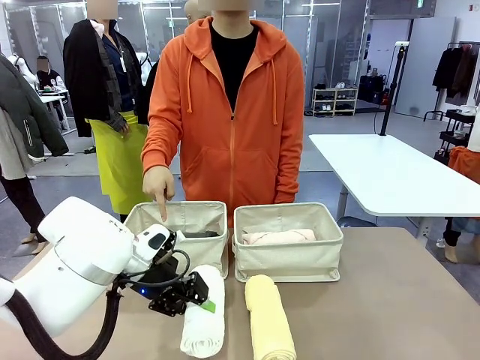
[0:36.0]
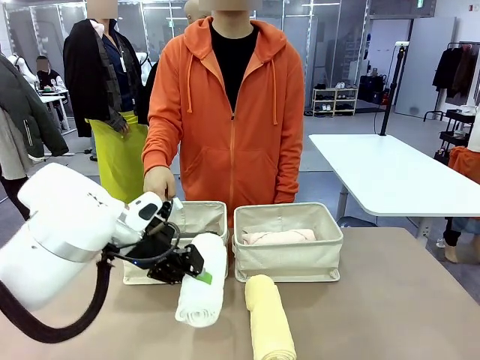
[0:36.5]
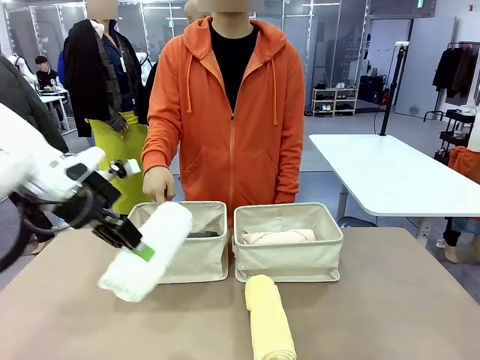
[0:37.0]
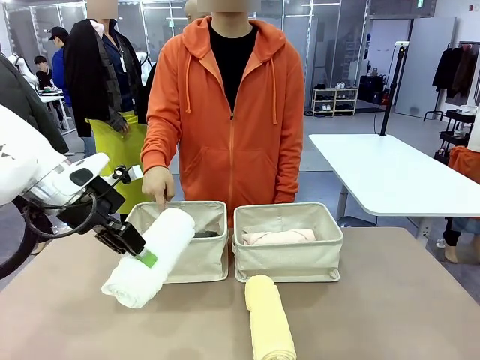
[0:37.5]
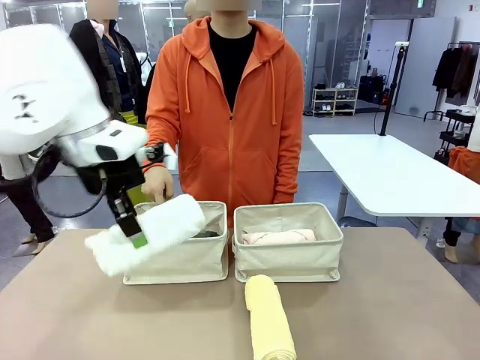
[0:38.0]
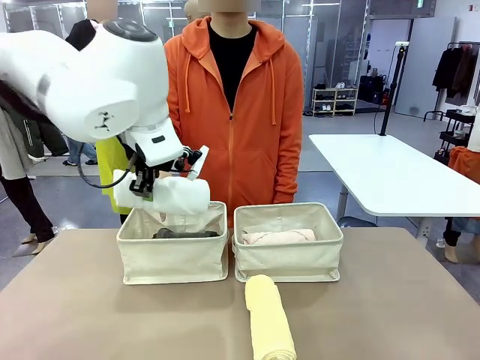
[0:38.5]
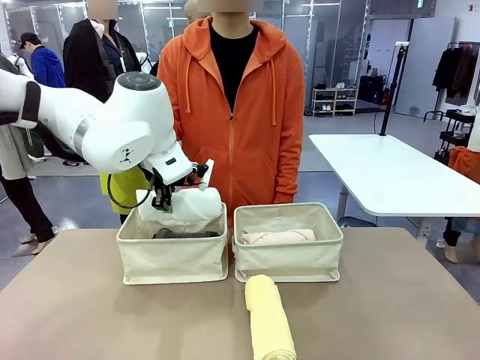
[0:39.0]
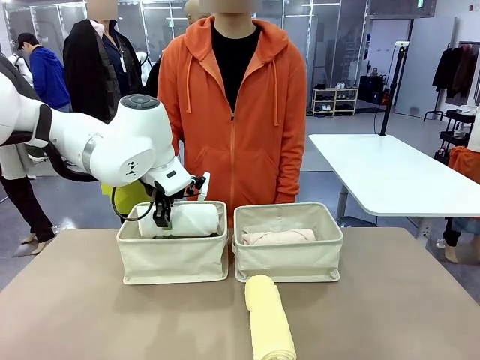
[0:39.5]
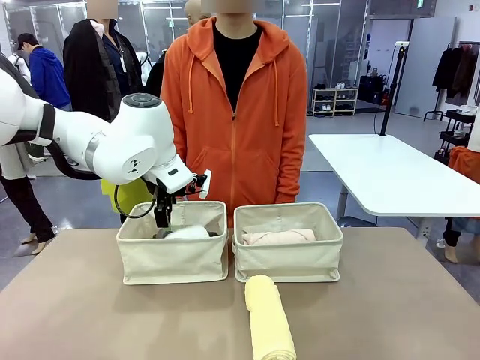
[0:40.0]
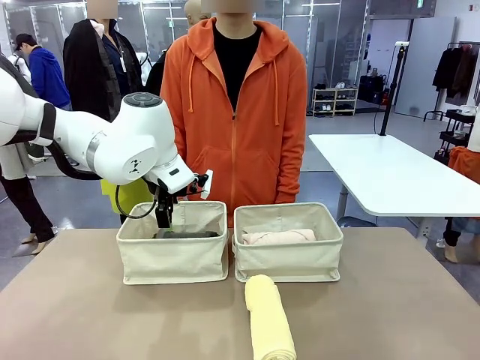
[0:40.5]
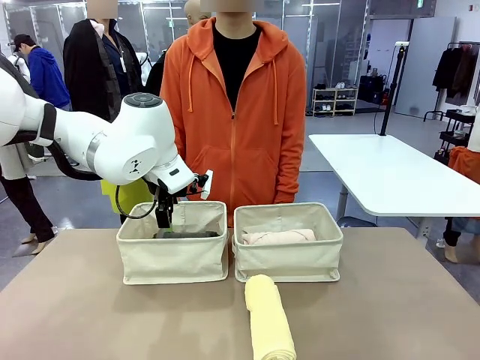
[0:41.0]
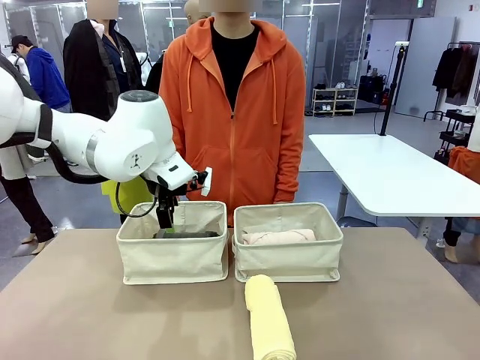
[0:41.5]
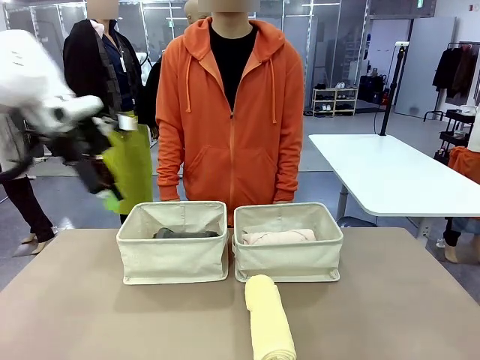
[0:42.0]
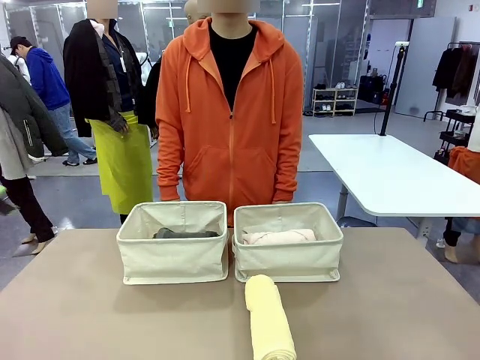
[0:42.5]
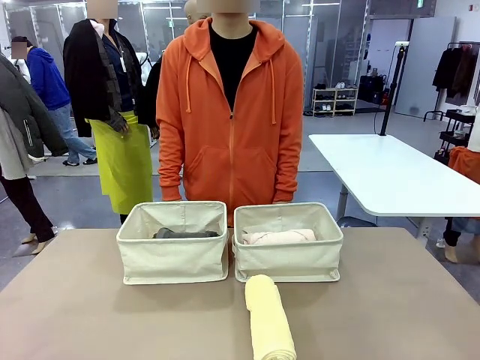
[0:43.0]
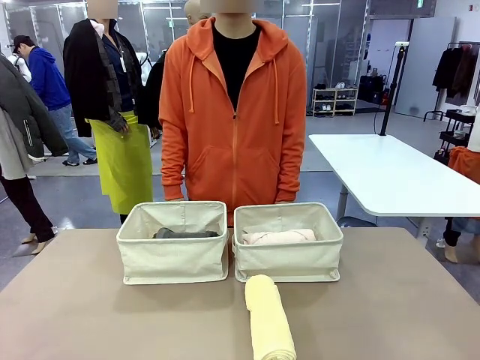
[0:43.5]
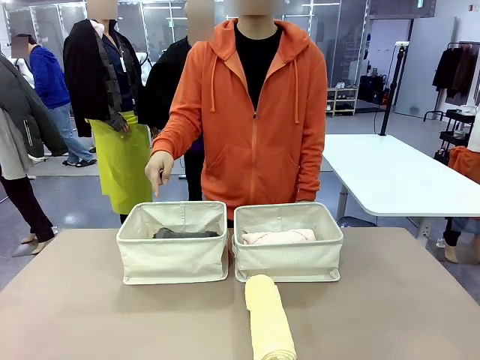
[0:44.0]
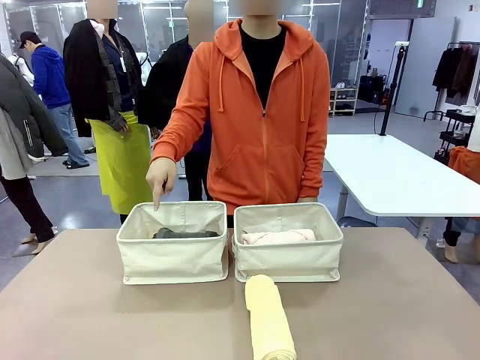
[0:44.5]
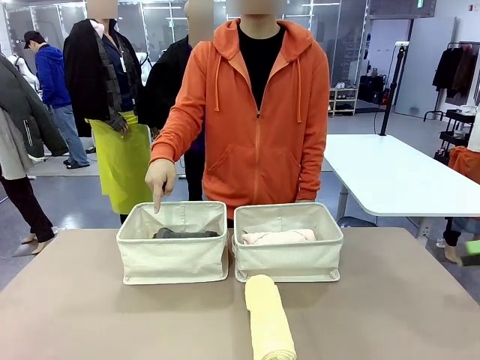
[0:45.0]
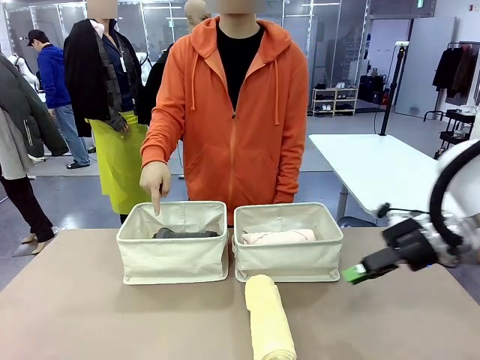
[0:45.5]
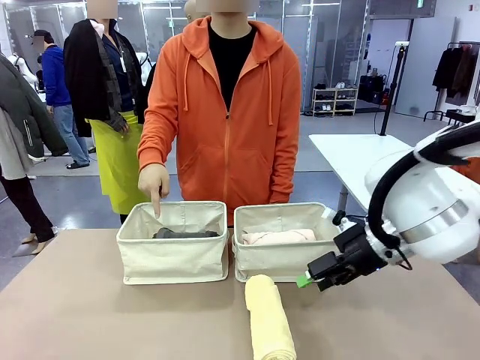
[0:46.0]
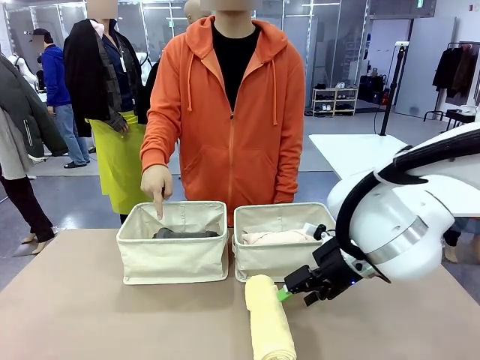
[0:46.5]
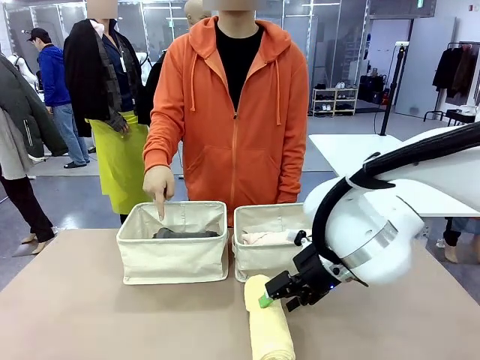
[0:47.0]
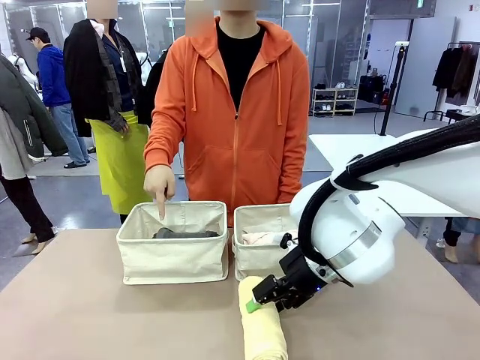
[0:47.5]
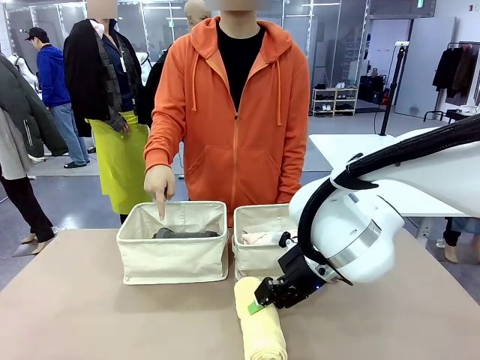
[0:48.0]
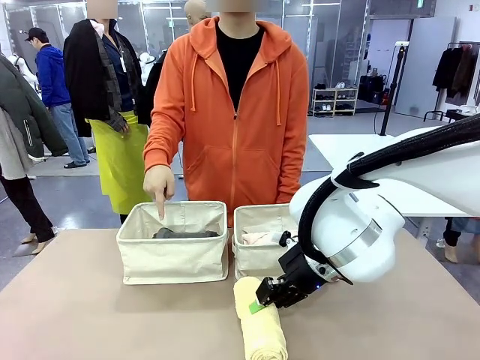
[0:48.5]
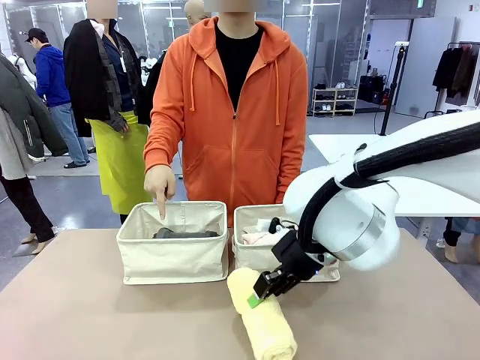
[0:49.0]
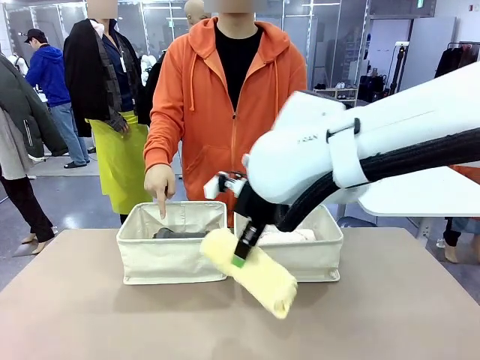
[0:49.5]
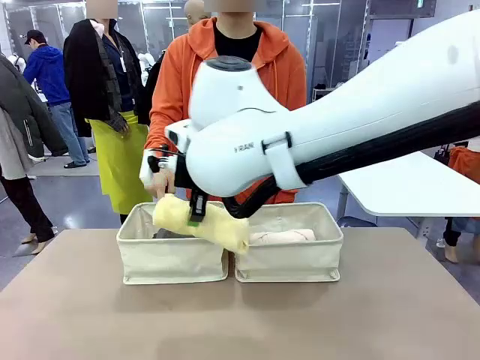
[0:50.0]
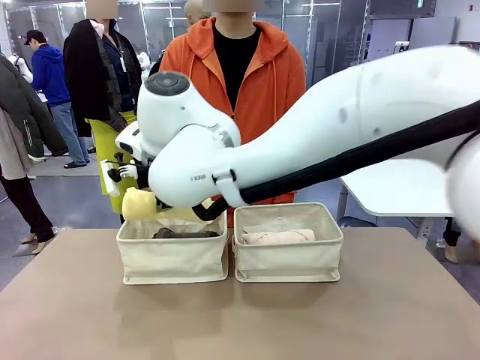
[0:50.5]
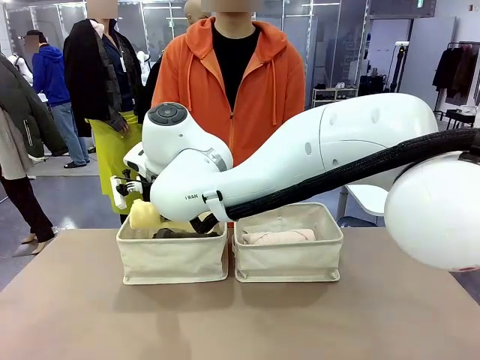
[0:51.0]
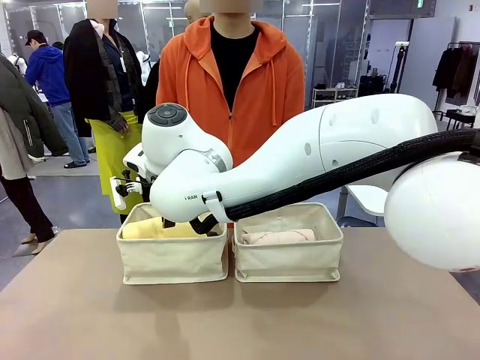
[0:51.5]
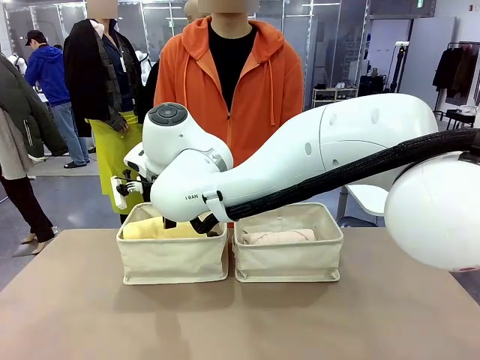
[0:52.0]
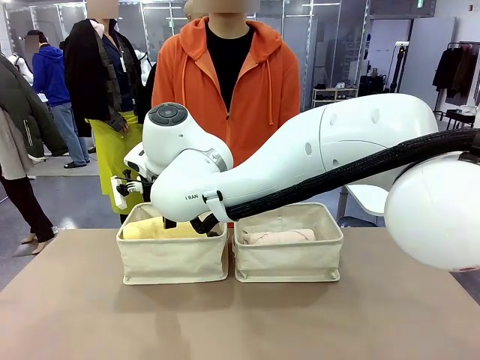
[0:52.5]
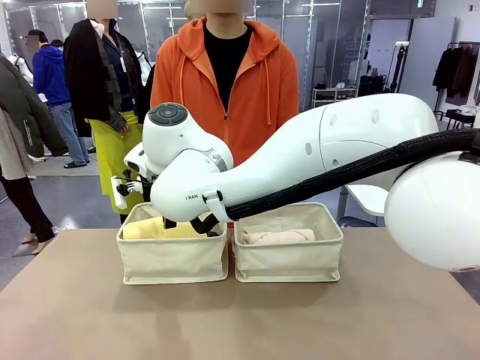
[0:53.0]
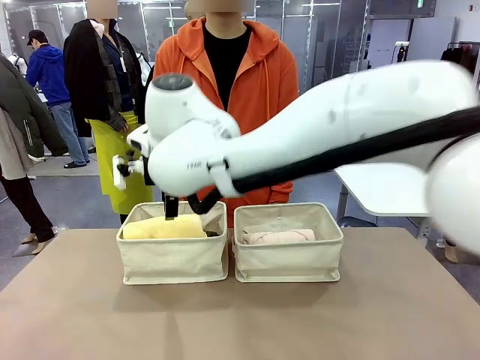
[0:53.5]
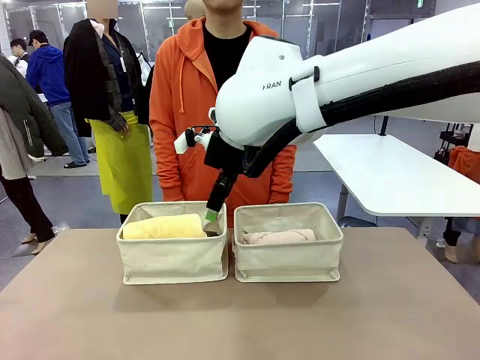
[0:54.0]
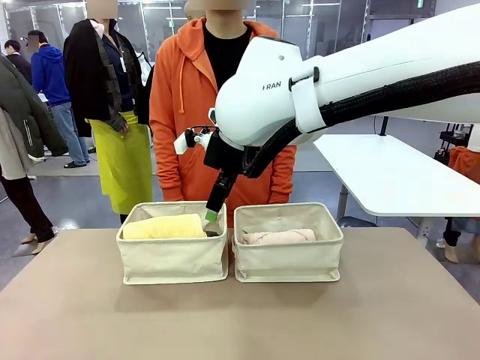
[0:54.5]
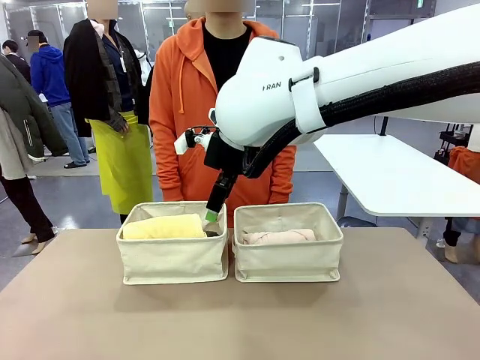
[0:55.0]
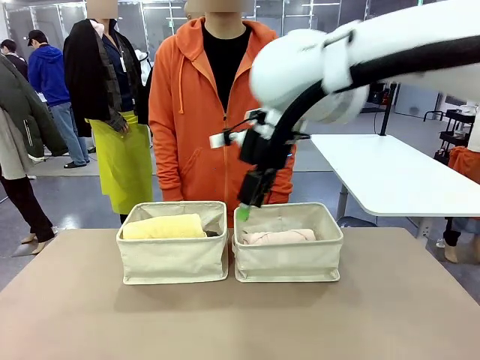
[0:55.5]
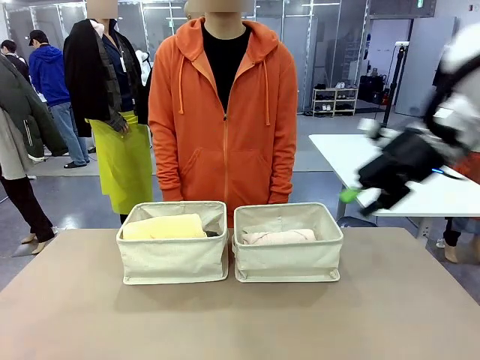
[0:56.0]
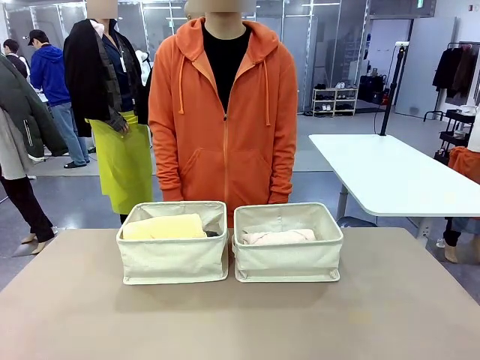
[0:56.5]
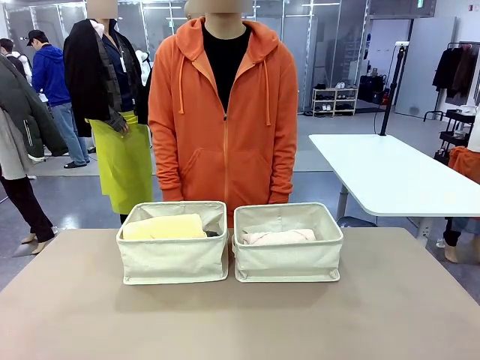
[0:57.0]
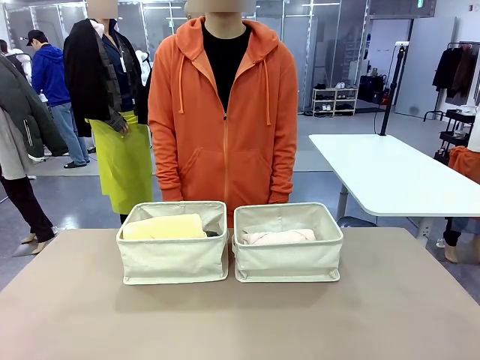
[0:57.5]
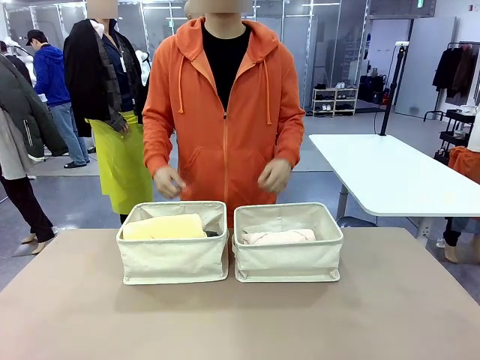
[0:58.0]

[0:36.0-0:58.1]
Task: Divide the towels into two baskets.
Robot: Pick up one hotel-folded towel from the bottom of the table and place it in the Fabric basket indicated by the person.

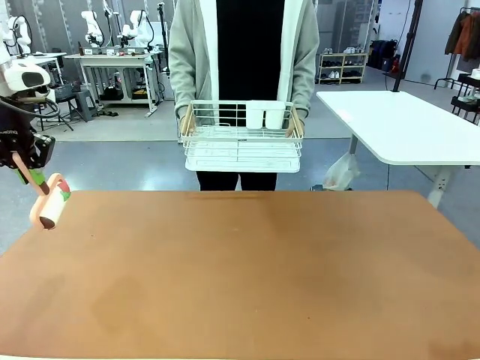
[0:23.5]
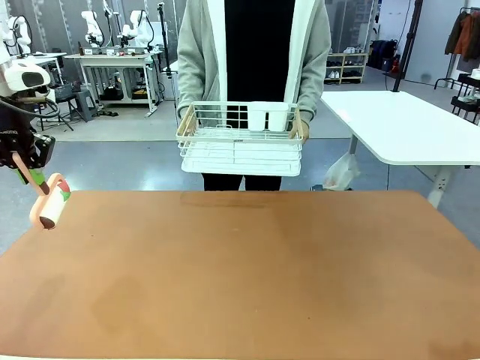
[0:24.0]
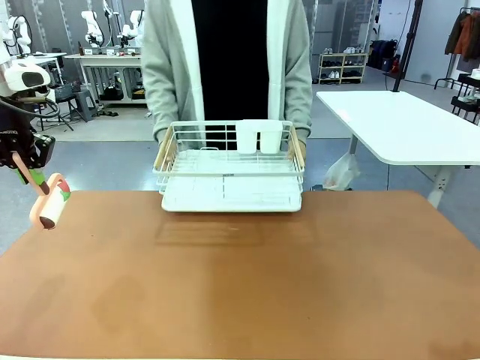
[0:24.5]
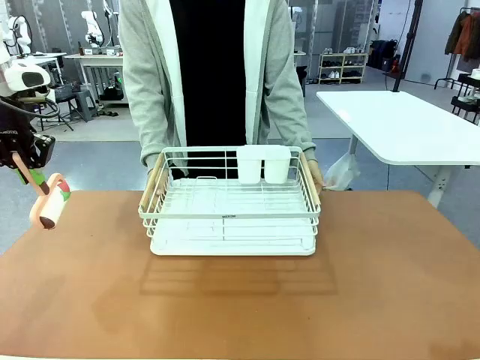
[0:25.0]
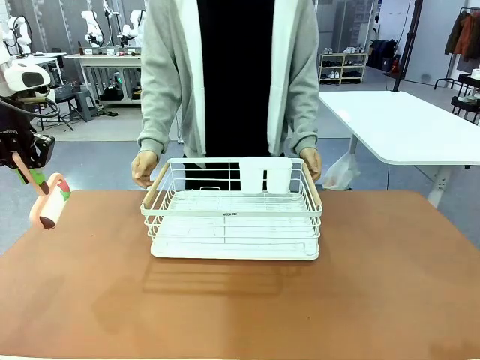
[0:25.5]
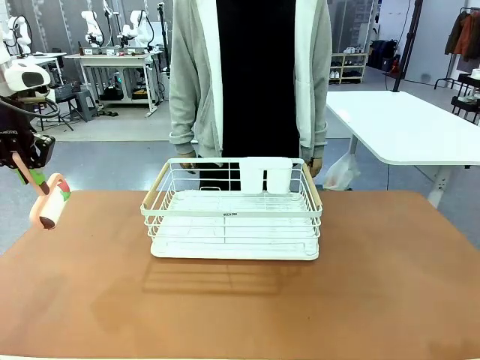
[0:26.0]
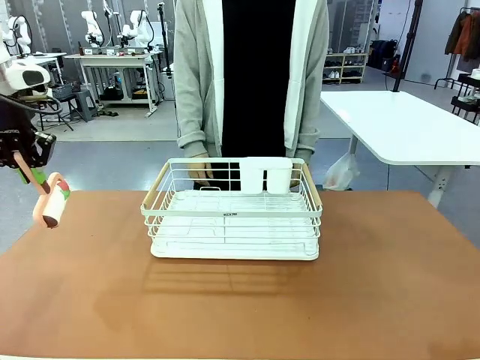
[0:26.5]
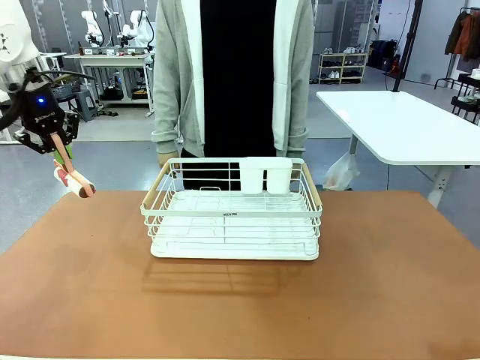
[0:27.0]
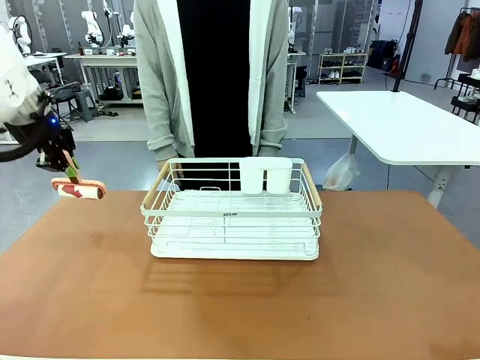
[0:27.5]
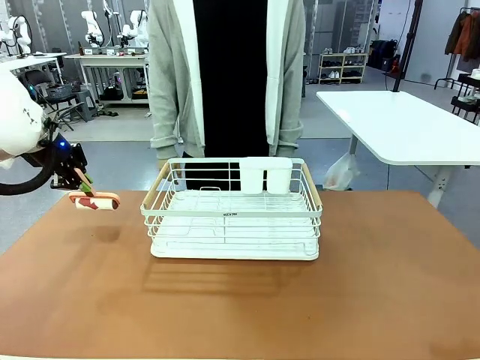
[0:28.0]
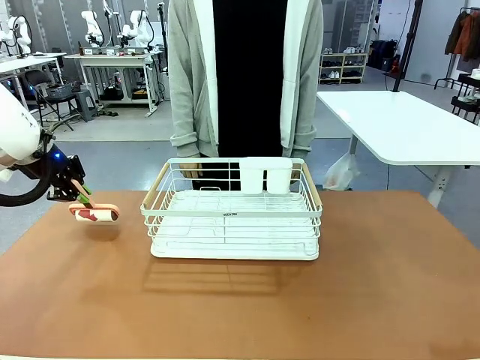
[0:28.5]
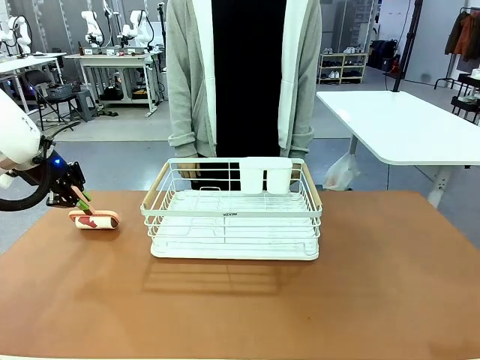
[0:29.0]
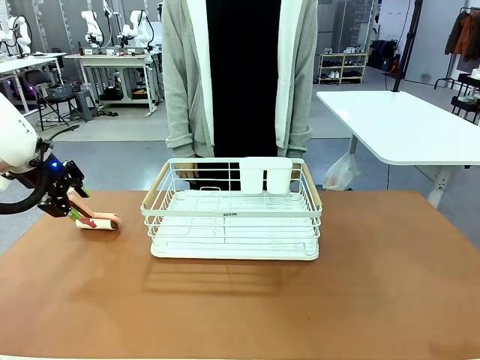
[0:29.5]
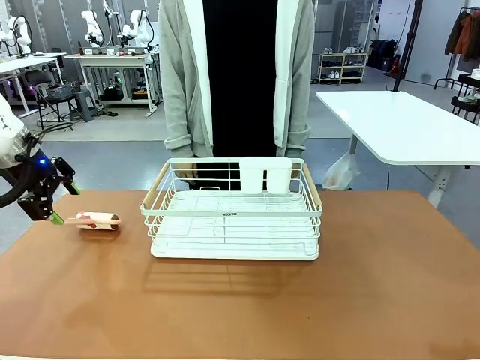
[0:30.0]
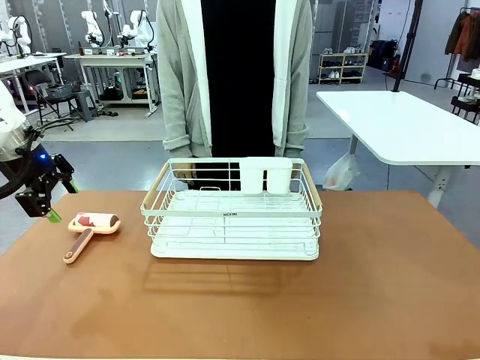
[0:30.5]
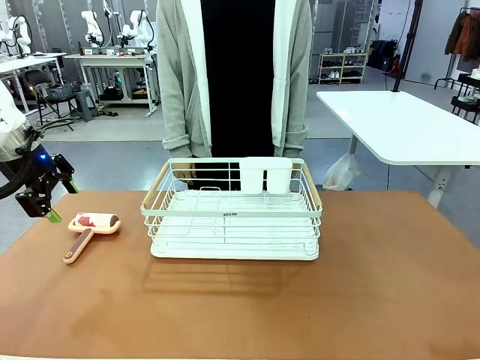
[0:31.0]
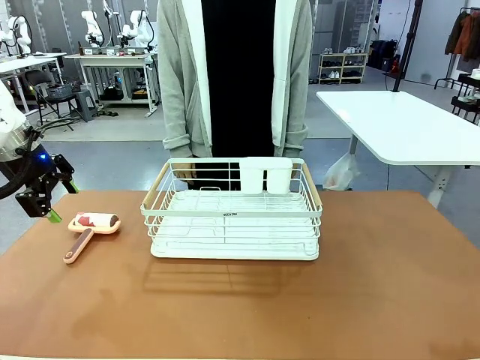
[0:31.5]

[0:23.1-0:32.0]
Task: Clean the table.
Robot: Place the Lint Roller down when the Dish drying rack is positioned in the middle of the table.
